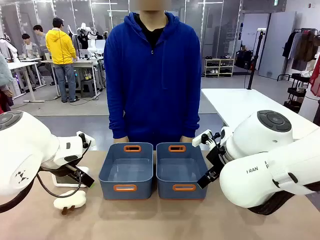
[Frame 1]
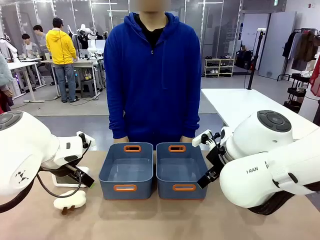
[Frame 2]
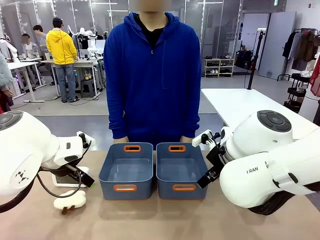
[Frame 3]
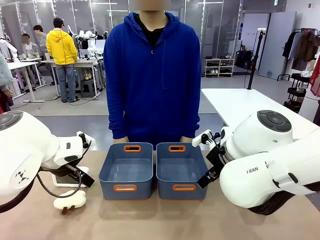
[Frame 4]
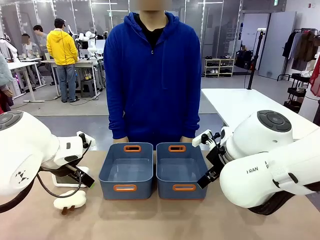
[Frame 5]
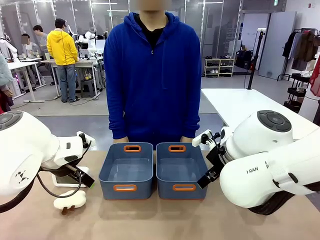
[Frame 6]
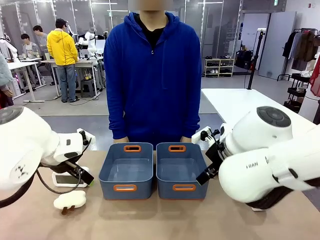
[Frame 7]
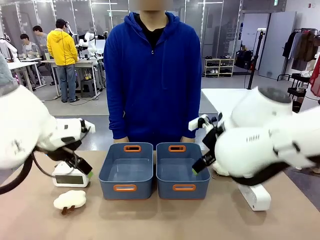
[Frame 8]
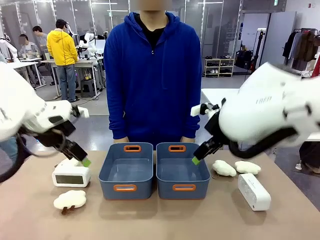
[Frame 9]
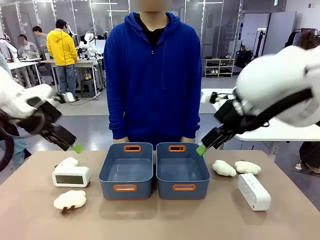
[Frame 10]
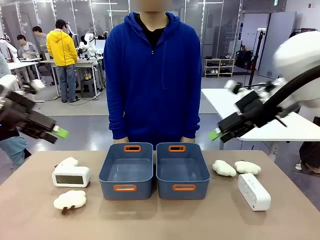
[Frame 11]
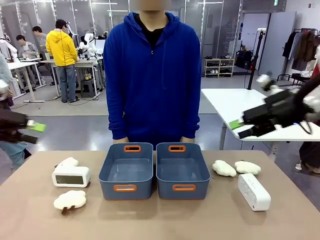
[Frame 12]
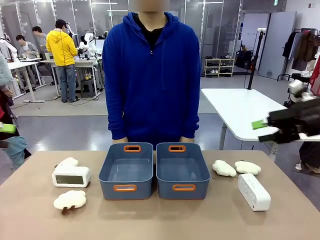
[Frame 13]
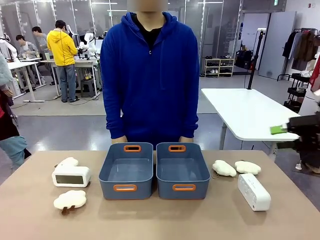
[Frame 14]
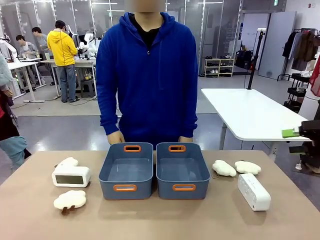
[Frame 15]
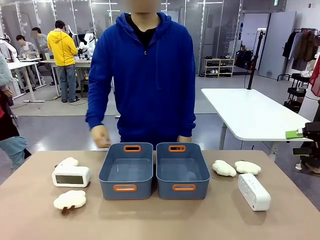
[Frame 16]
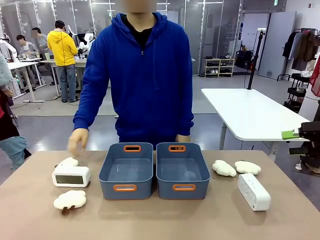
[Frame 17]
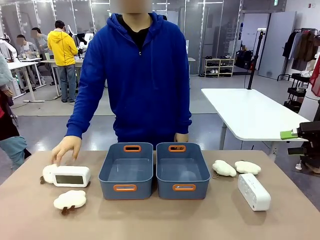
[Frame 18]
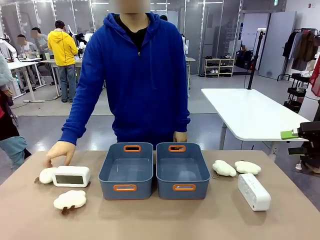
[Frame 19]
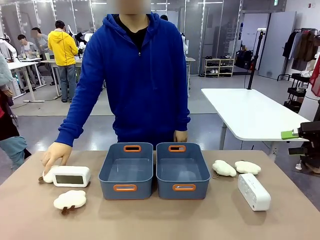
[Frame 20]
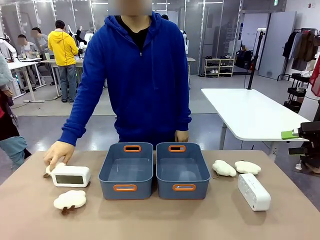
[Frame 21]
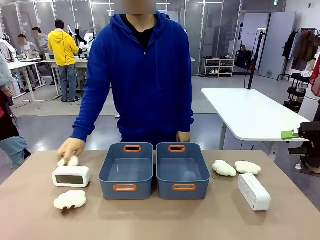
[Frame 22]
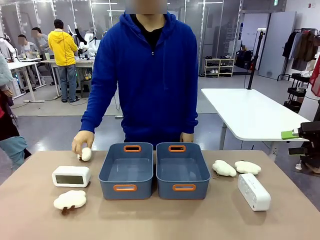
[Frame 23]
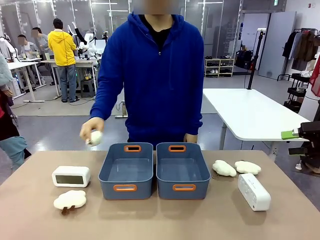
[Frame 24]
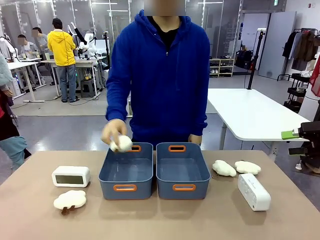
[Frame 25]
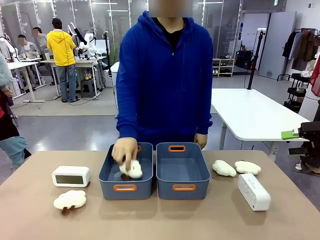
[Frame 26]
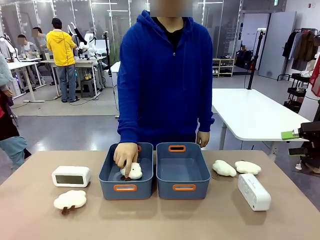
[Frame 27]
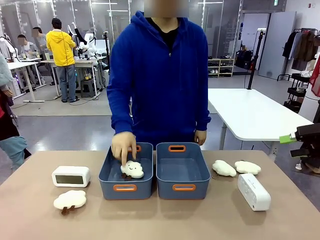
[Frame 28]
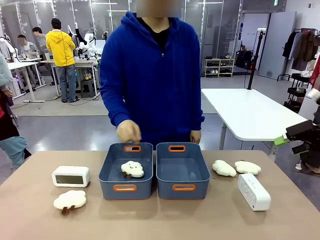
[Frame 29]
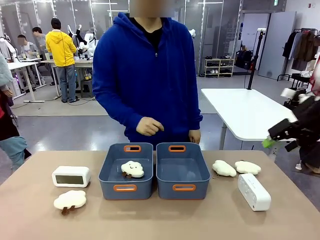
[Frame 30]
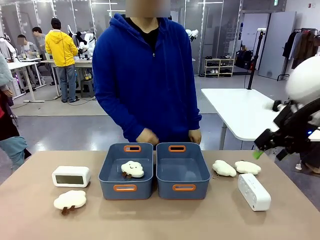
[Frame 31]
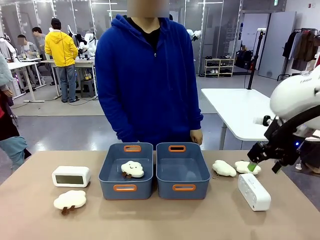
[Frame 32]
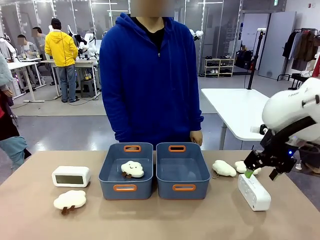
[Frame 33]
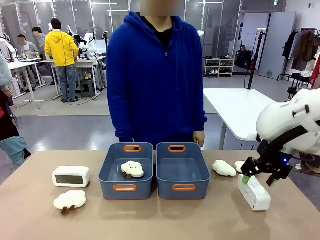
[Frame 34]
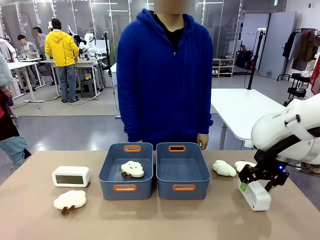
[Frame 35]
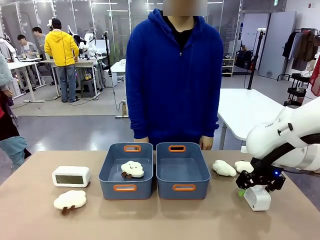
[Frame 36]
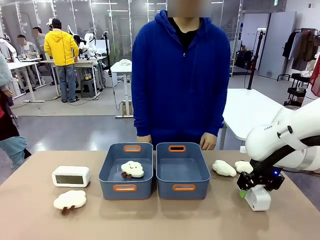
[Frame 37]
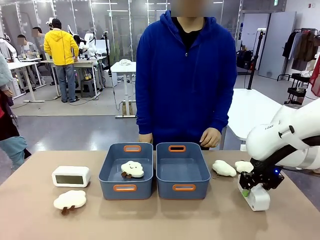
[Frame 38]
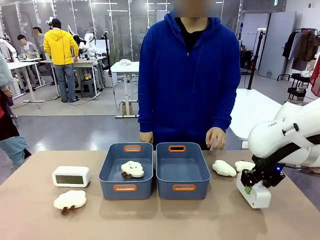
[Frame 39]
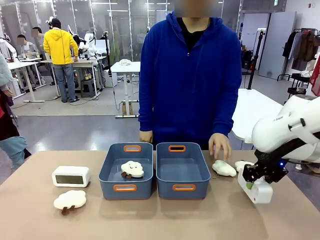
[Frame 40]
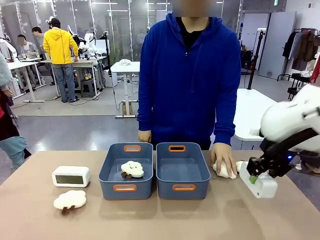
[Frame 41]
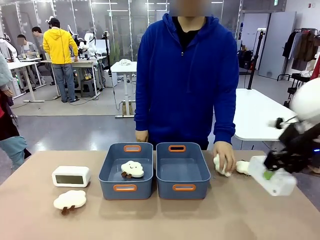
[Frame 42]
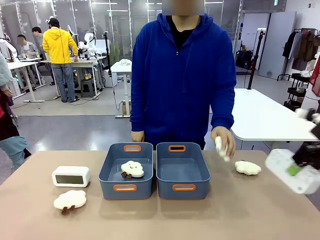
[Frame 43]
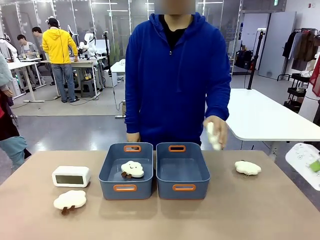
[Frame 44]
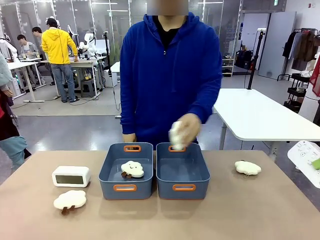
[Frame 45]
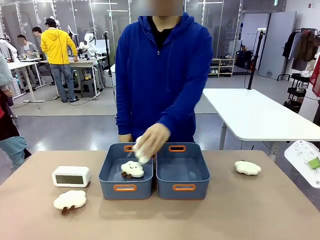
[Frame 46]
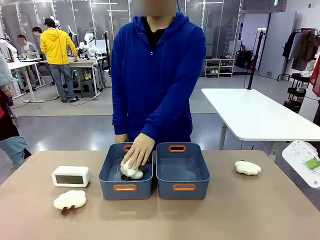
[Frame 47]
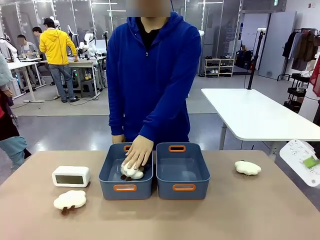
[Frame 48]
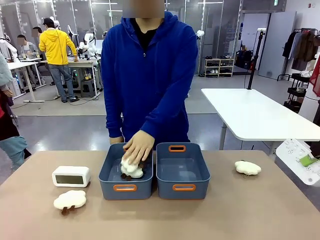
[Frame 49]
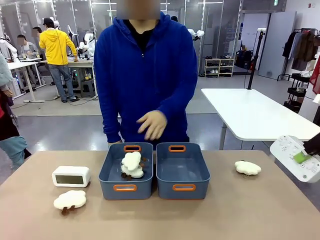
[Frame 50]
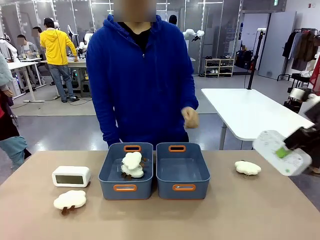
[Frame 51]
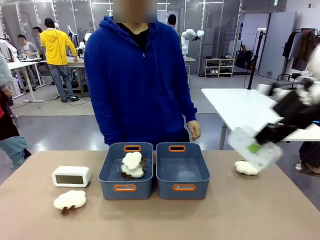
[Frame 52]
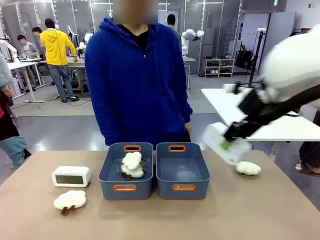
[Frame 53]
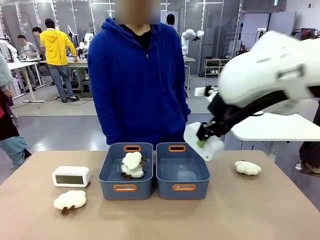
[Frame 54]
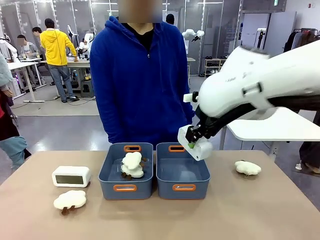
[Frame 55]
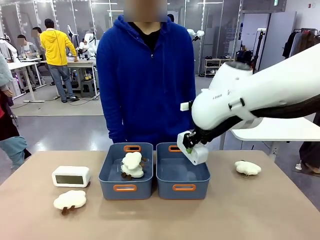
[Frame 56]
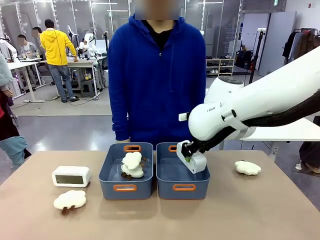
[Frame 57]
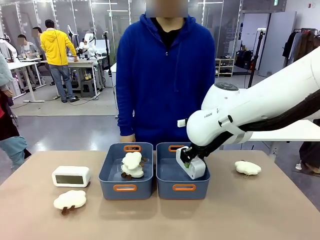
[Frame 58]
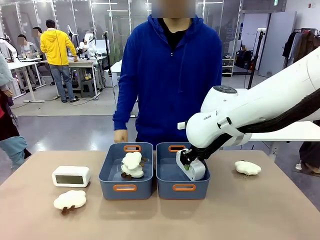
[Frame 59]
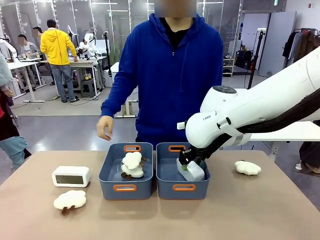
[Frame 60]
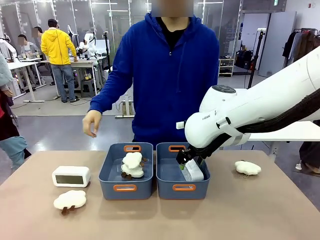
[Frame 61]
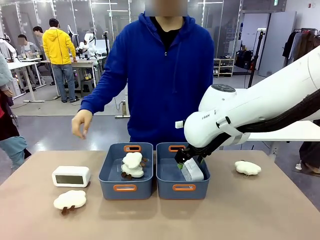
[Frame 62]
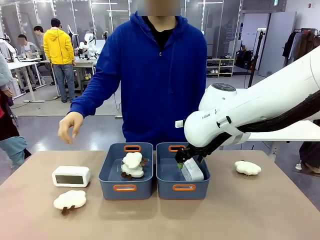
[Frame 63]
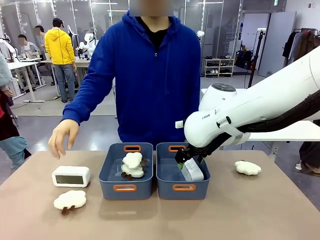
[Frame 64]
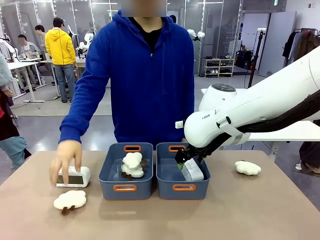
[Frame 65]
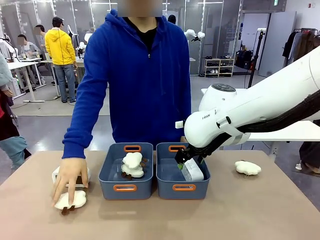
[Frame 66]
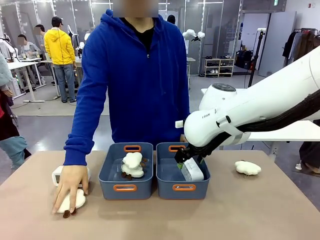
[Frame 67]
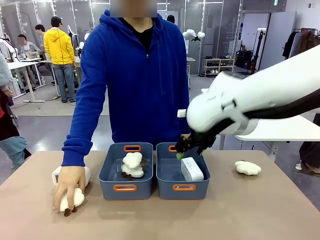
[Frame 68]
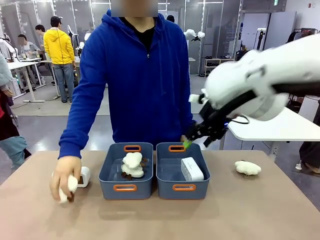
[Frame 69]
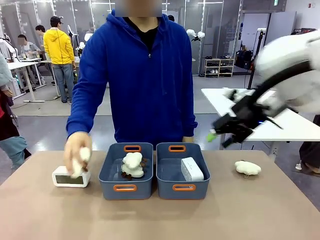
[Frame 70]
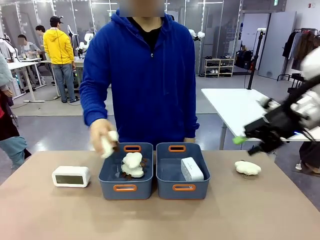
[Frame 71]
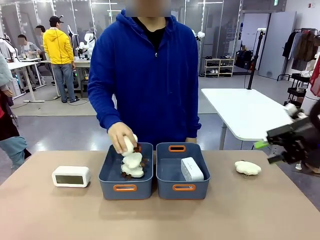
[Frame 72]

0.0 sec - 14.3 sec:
Task: Sort the digital clocks into the basket.
Robot: Pick up the Digital clock from the table and place it into the empty Plastic storage basket.
Person: Pick up a plush toy from the table and place it in a plastic storage basket.
